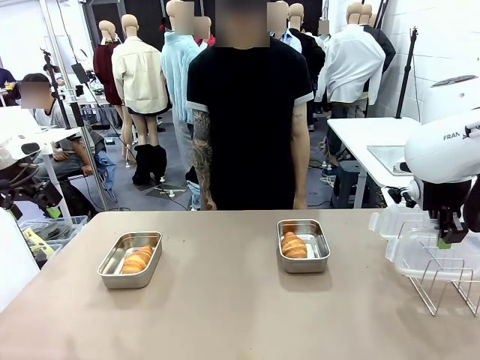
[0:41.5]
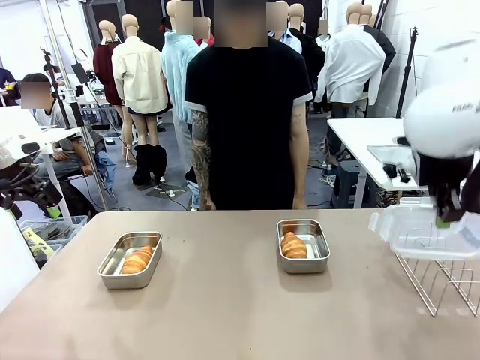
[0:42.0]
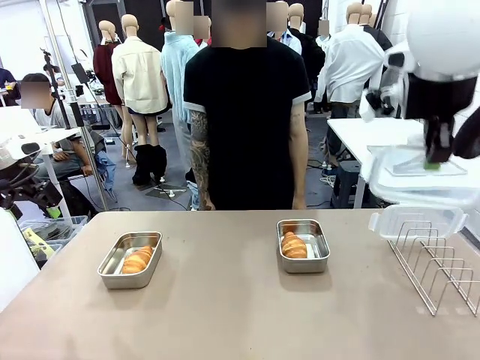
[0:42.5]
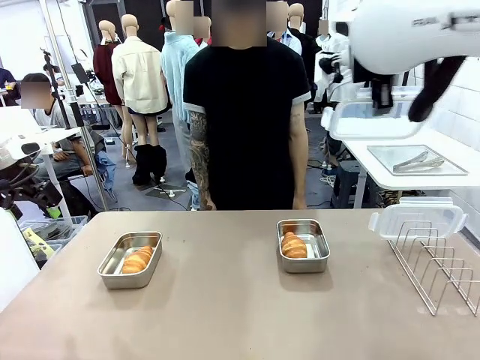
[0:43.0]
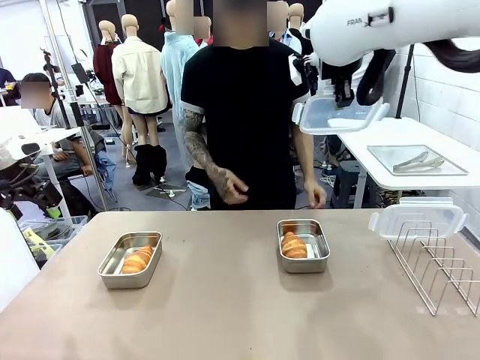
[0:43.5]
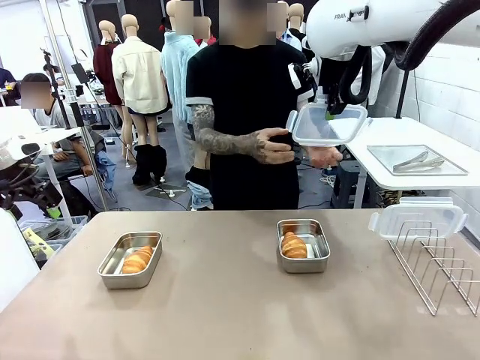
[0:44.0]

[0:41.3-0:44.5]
Task: Place the bread in airtight containers.
Robot: Release when the human grabs the Airtight Container lid.

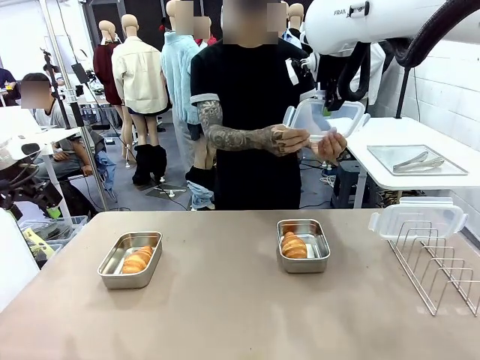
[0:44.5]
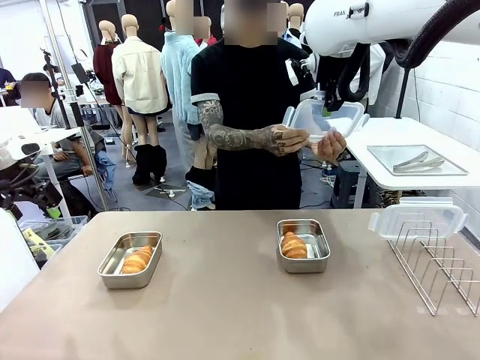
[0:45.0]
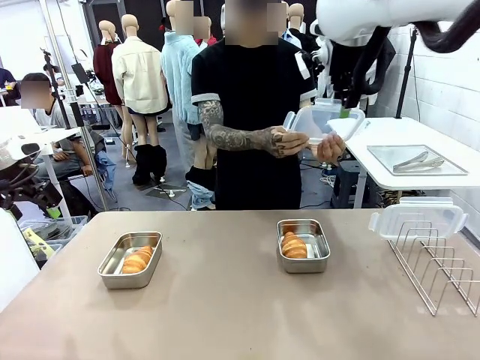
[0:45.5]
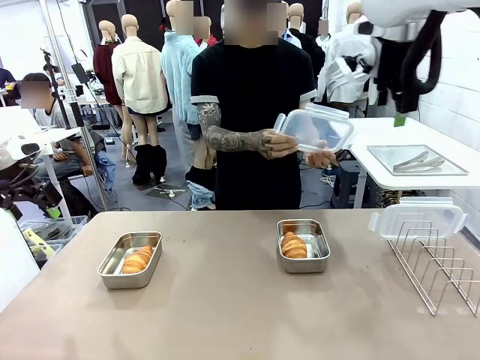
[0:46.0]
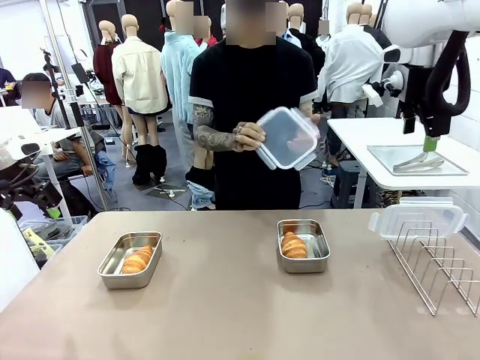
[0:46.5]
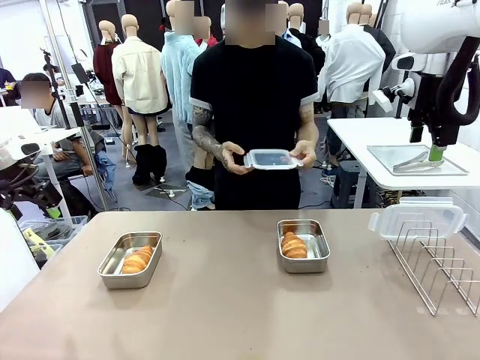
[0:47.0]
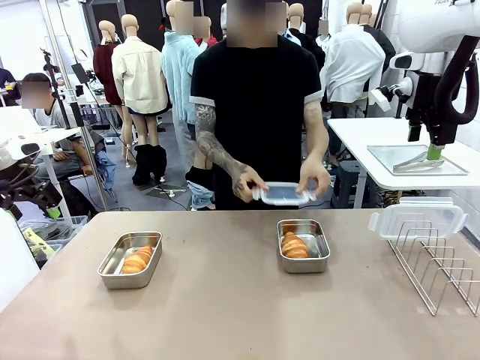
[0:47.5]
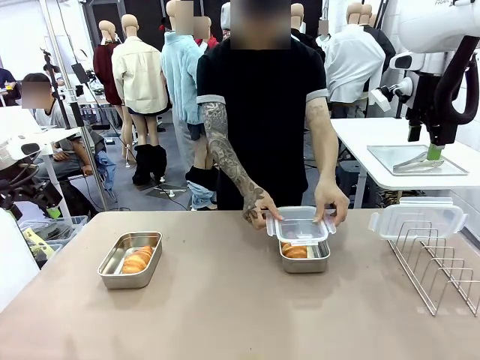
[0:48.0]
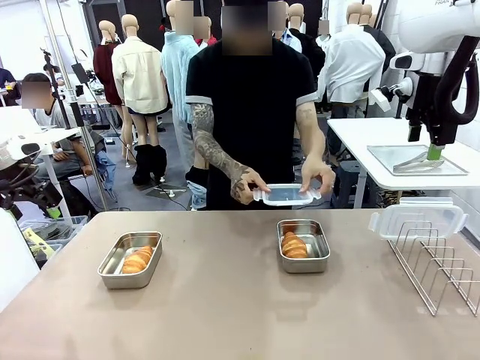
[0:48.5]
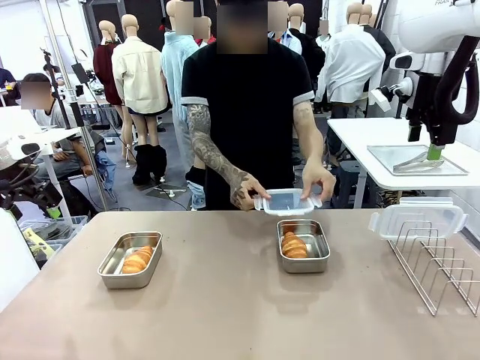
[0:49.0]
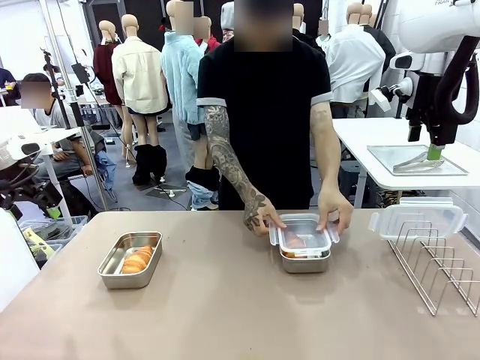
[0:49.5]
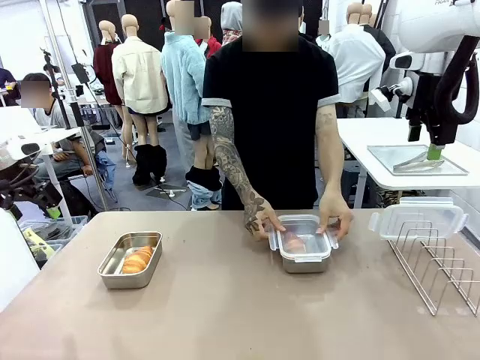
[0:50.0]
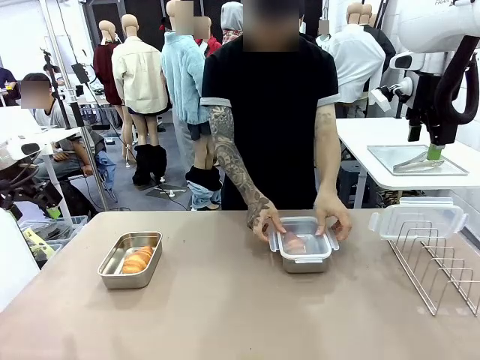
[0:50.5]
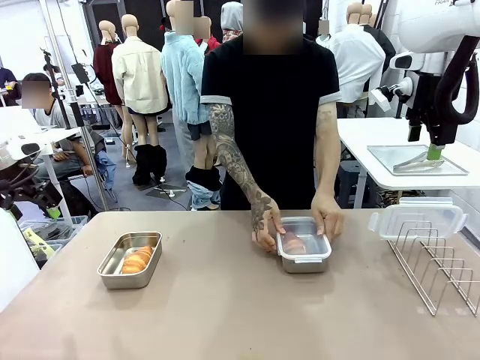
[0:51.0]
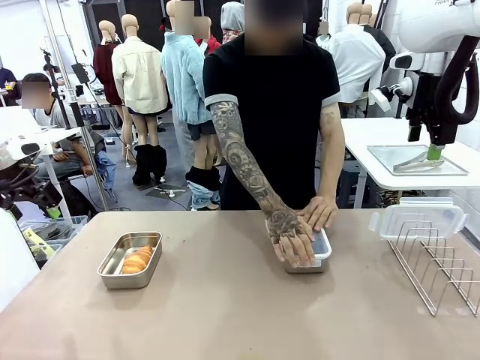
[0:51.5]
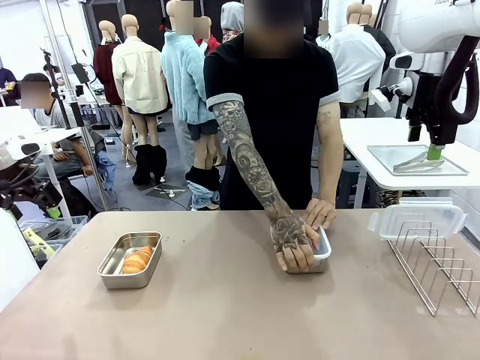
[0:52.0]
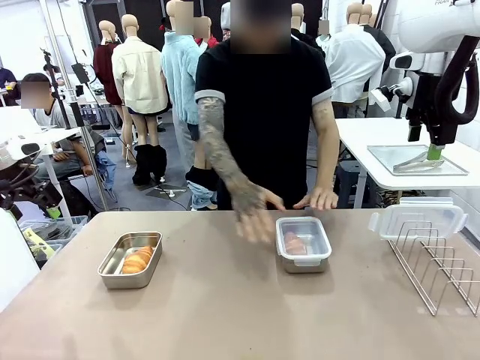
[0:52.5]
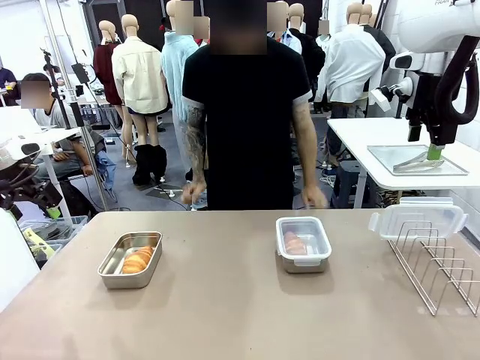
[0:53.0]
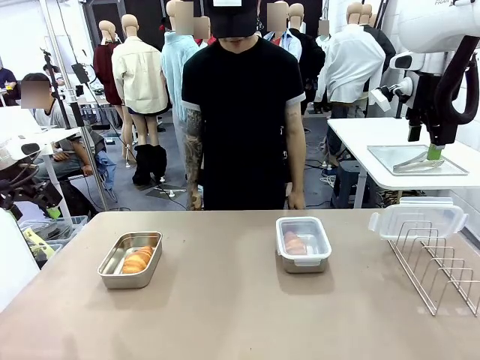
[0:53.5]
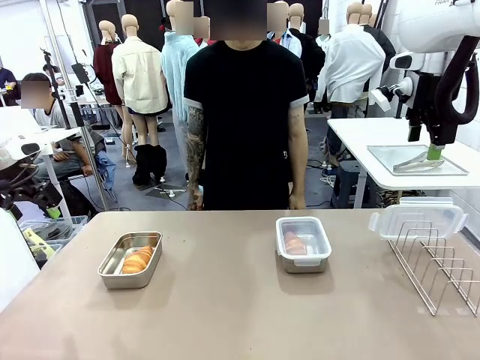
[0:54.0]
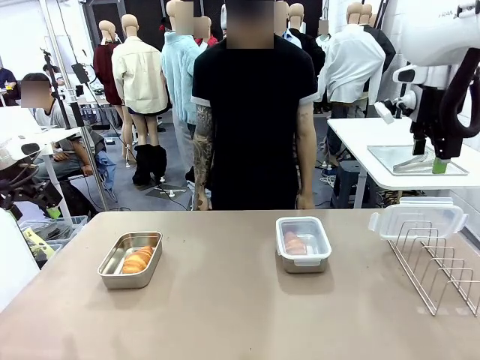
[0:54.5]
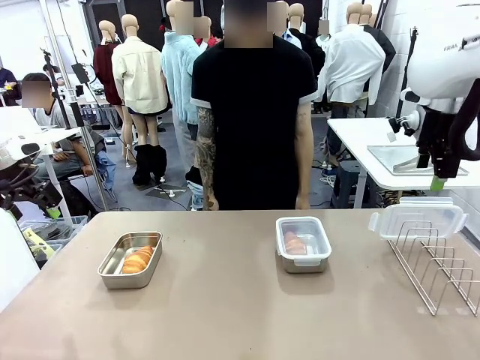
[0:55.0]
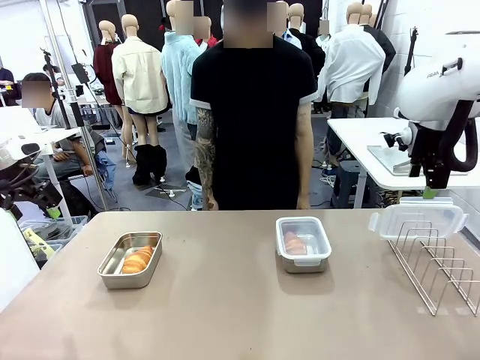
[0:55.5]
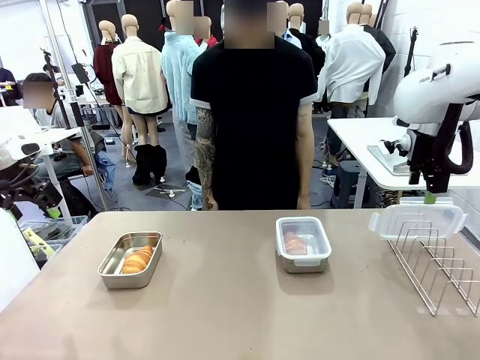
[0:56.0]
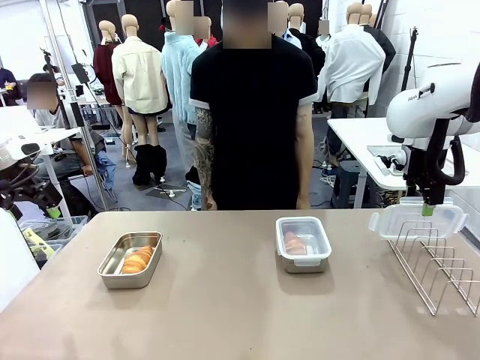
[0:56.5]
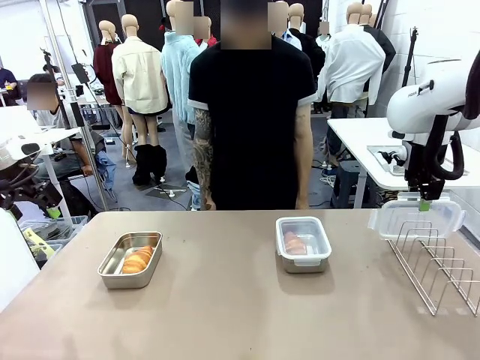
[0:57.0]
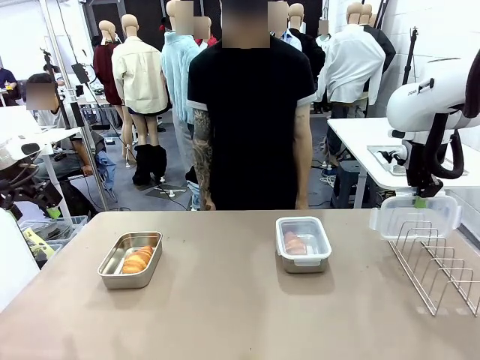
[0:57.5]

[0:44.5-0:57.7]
Robot: Pick up one Airtight Container lid and hand it to the human.
Person: Close Airtight Container with a handed Airtight Container lid.

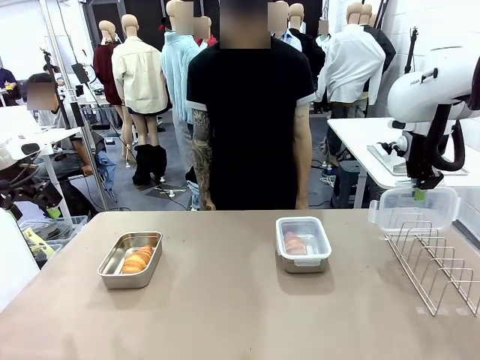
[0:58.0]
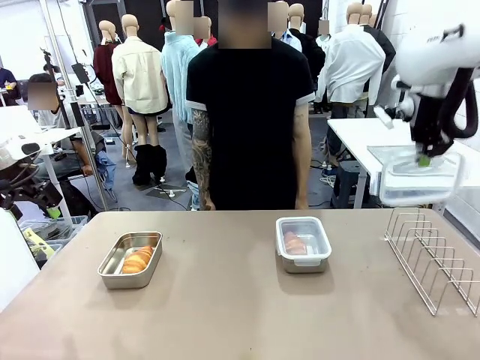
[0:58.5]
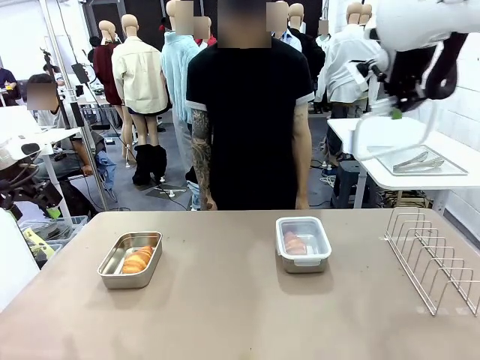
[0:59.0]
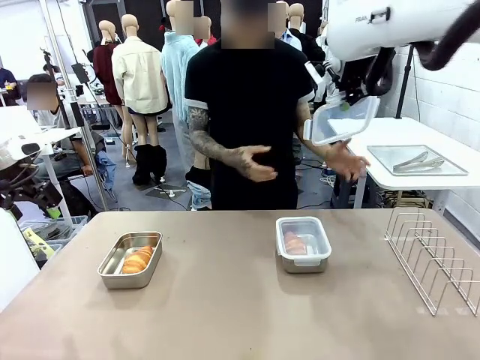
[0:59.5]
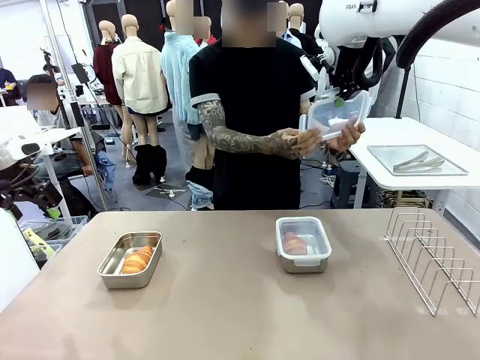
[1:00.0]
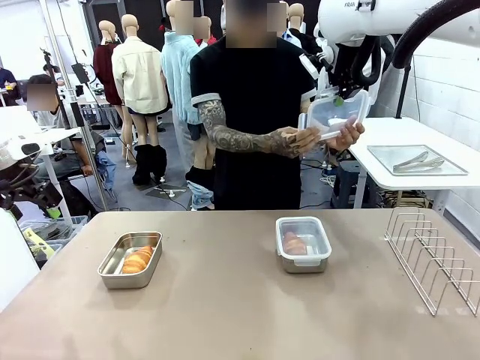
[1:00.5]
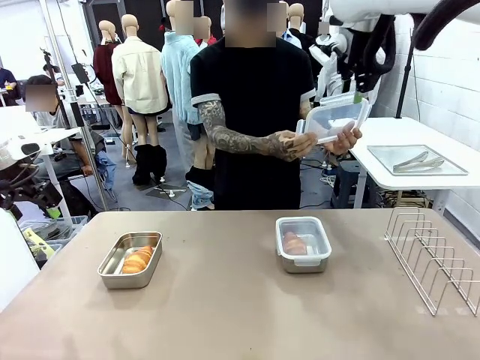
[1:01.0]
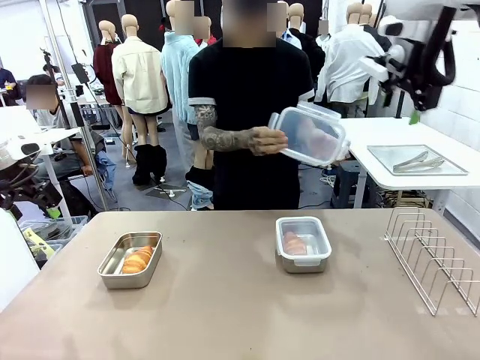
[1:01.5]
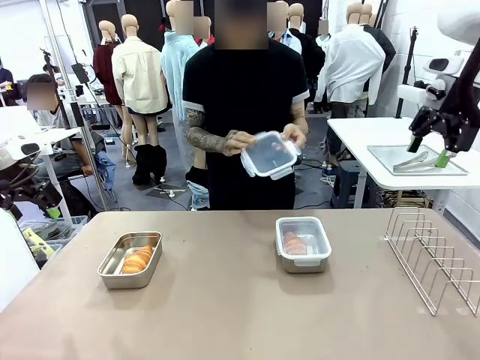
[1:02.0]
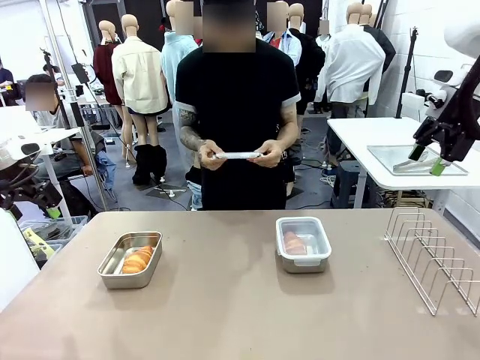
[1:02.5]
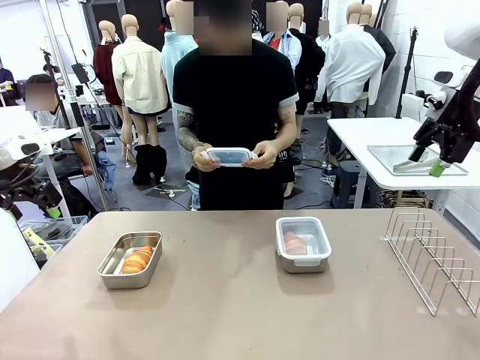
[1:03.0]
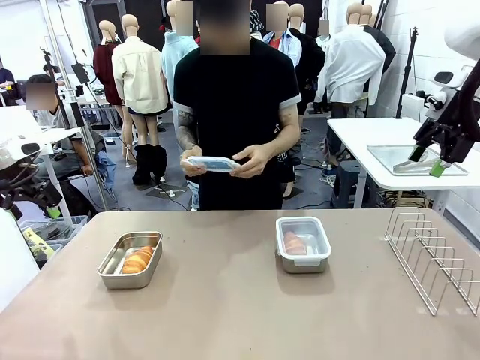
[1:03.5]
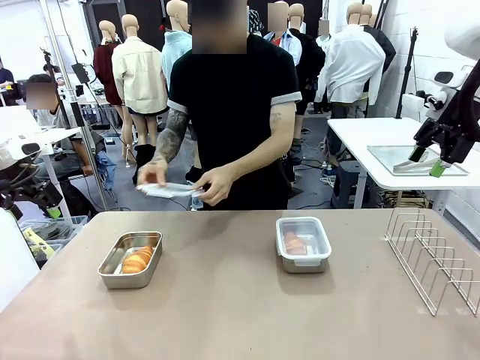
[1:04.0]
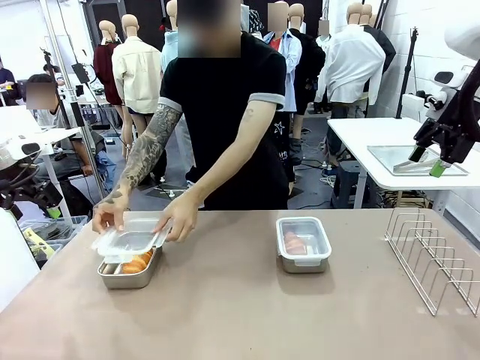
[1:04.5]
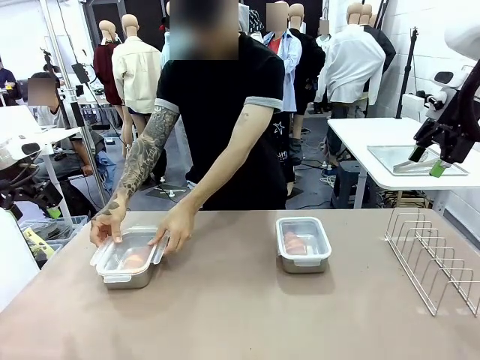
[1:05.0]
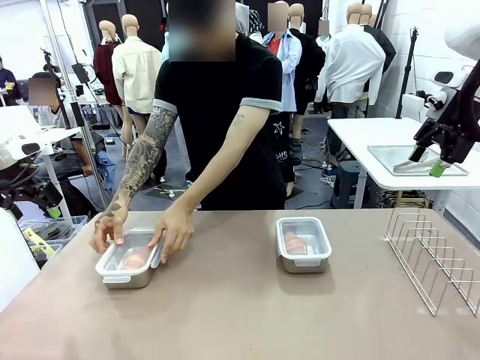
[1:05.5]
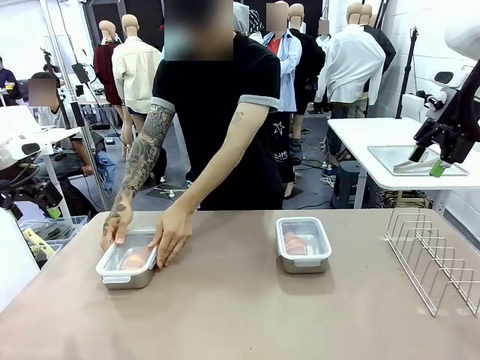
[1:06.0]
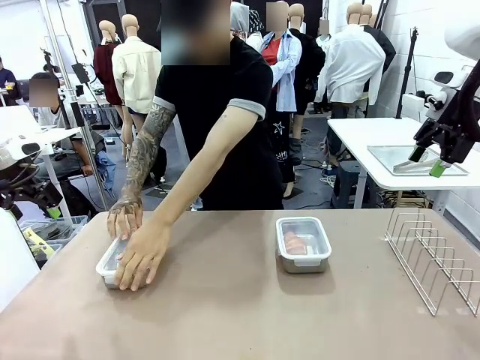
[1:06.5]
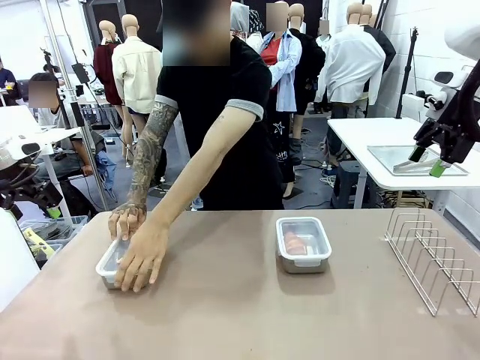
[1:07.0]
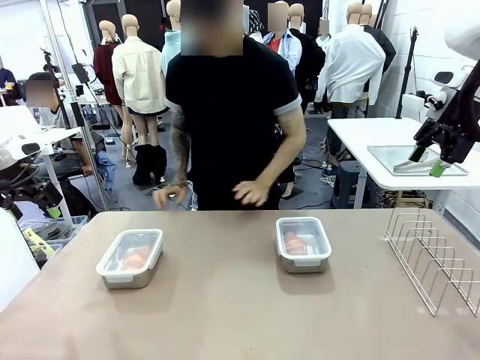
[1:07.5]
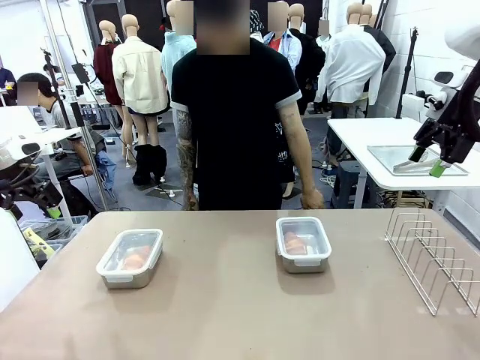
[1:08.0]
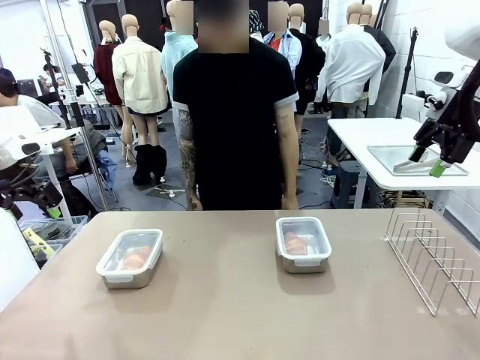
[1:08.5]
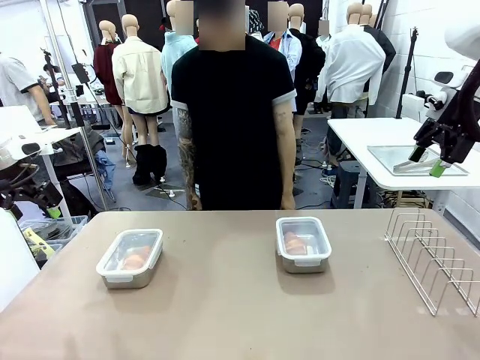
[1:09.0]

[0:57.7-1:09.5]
Robot: Release when the human grabs the Airtight Container lid.
Person: Grip Airtight Container lid that robot is handing. Close Airtight Container with a handed Airtight Container lid.
